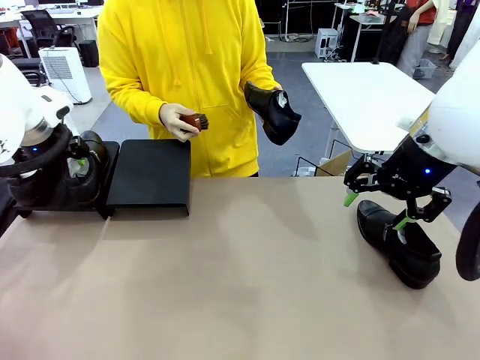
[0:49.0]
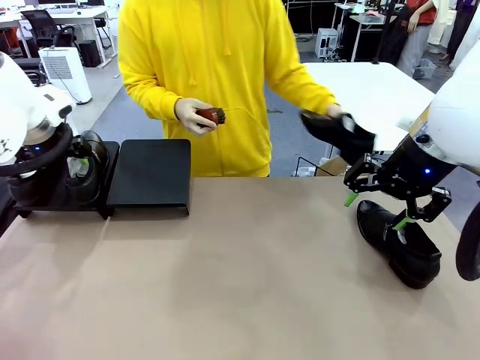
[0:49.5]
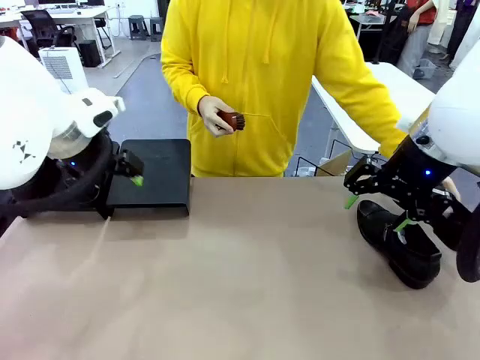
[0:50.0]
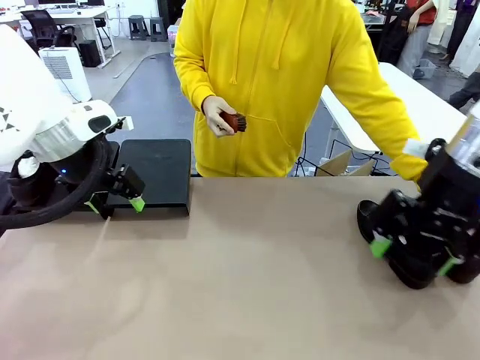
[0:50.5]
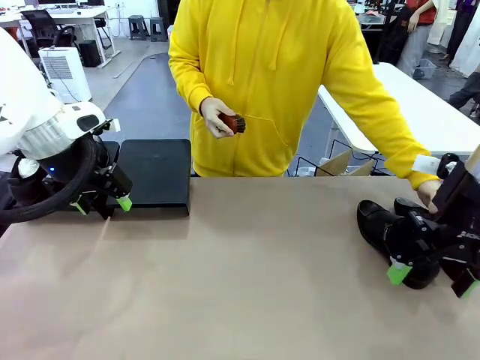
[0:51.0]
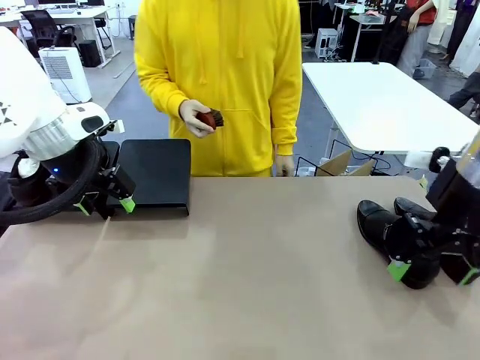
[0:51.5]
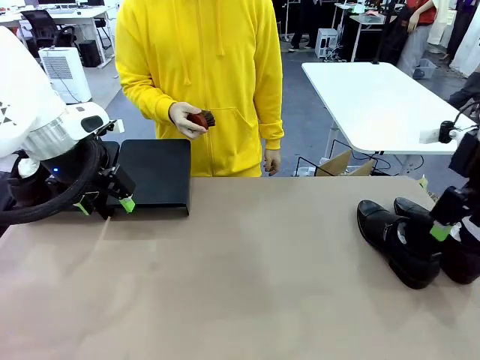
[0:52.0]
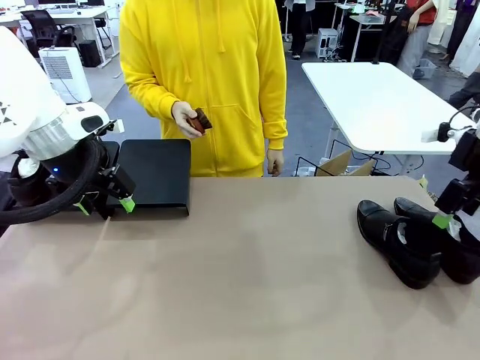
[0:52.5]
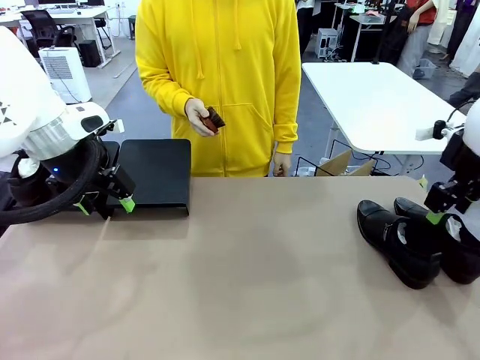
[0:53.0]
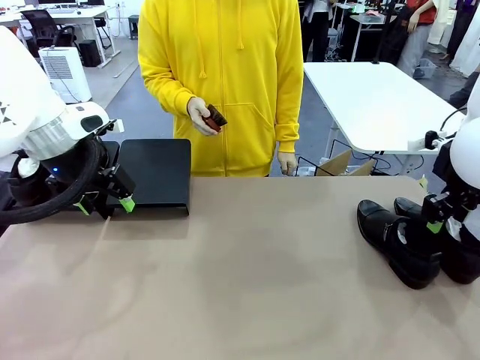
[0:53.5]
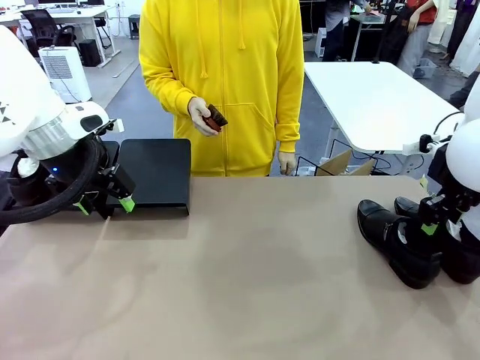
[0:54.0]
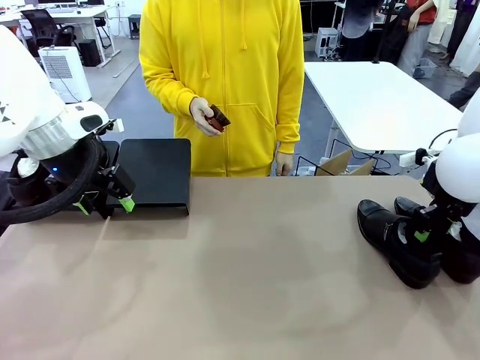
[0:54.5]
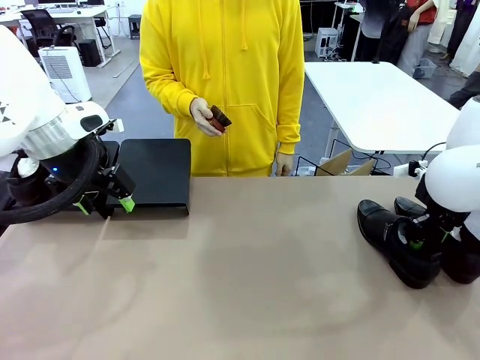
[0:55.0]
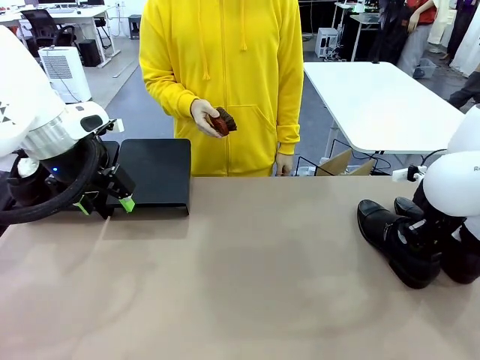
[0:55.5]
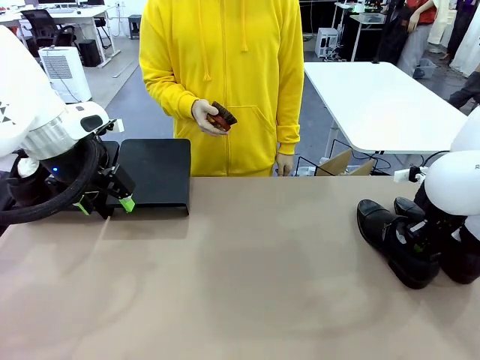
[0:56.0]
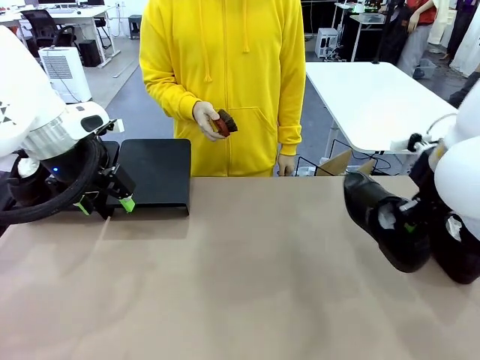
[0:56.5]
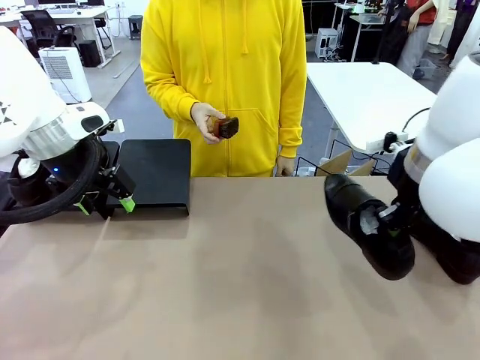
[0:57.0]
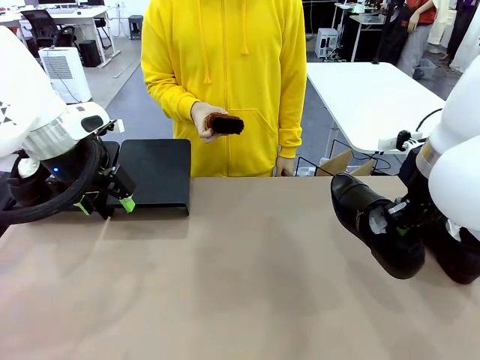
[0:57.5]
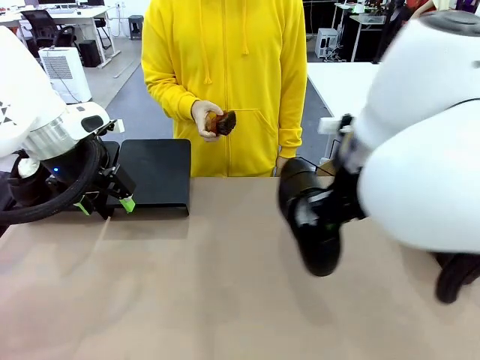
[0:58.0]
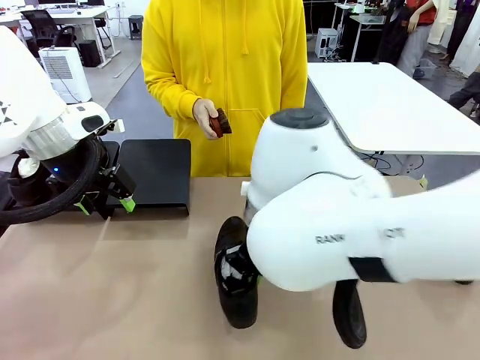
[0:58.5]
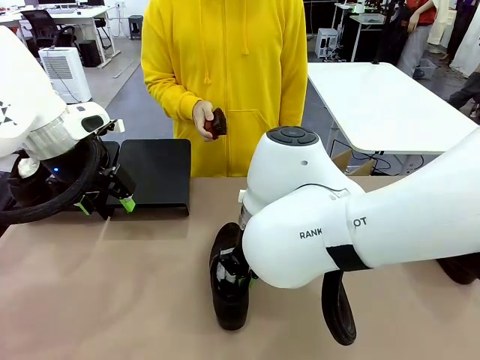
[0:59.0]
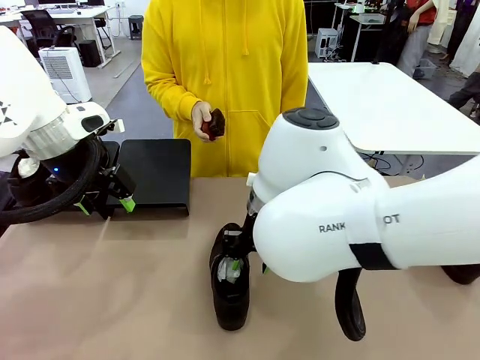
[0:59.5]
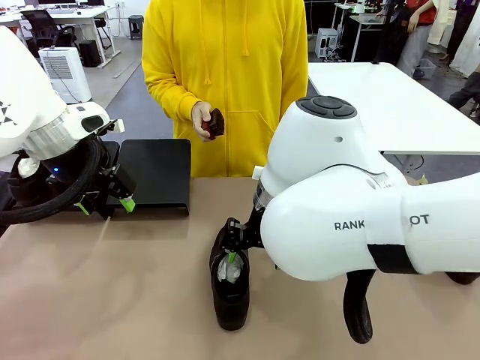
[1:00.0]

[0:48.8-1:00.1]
Task: Organize the shoes by placing them on the stand.
Robot: Pick up one Shoe and place it in the middle of the table.

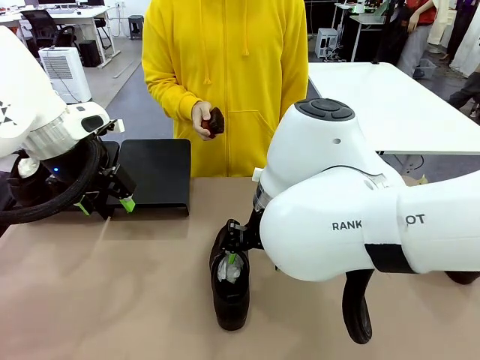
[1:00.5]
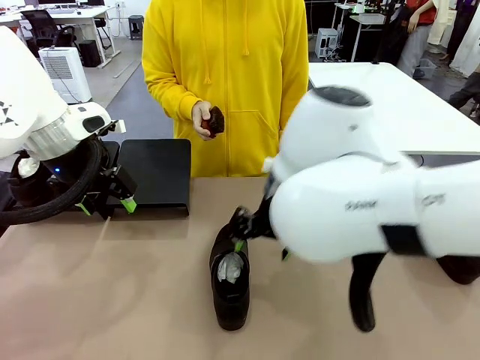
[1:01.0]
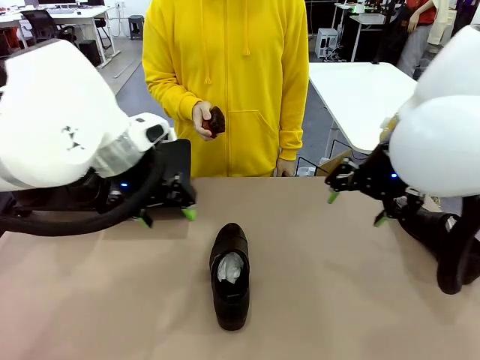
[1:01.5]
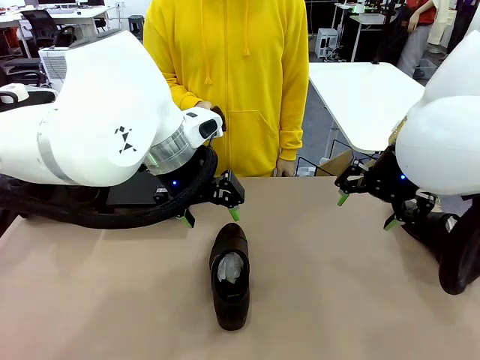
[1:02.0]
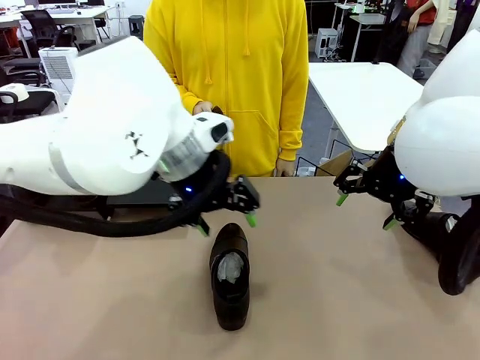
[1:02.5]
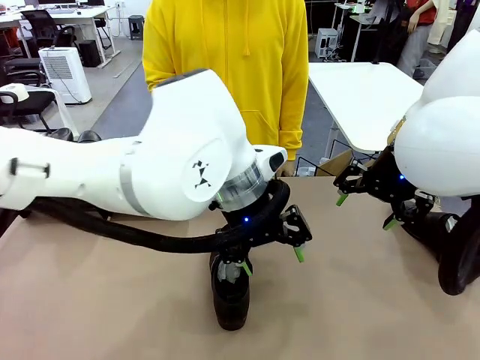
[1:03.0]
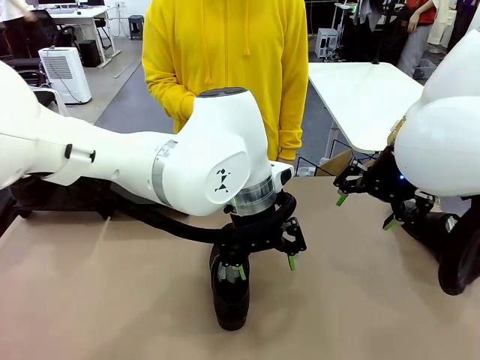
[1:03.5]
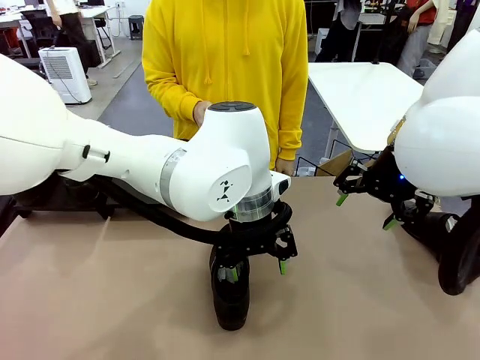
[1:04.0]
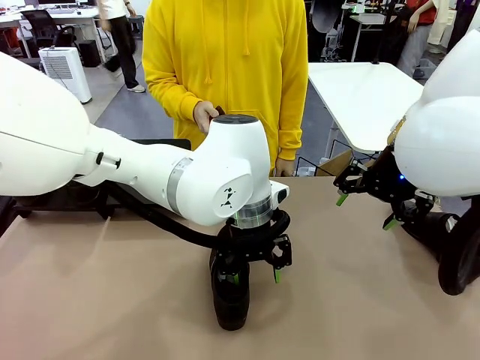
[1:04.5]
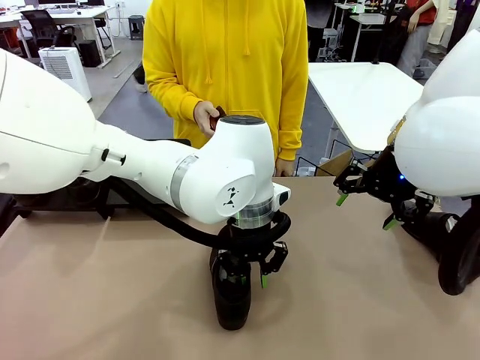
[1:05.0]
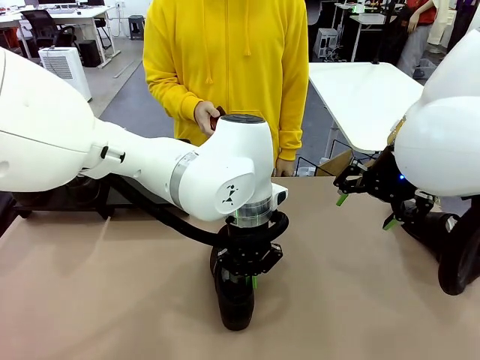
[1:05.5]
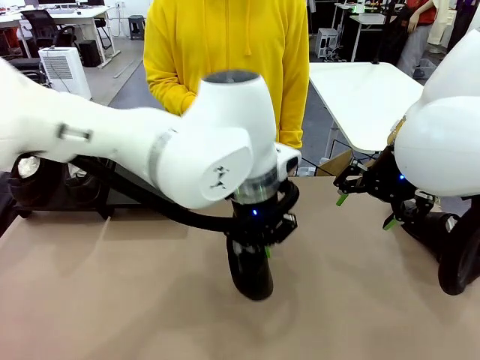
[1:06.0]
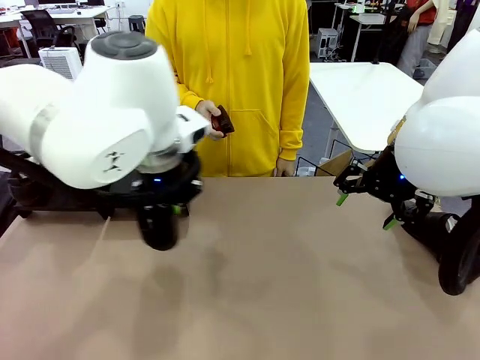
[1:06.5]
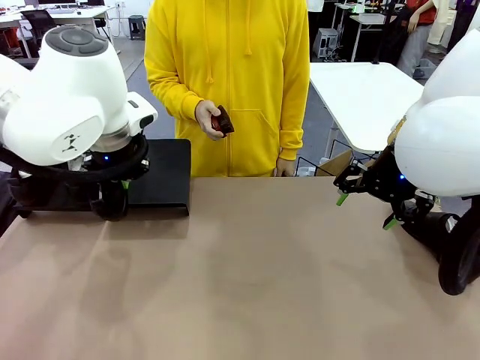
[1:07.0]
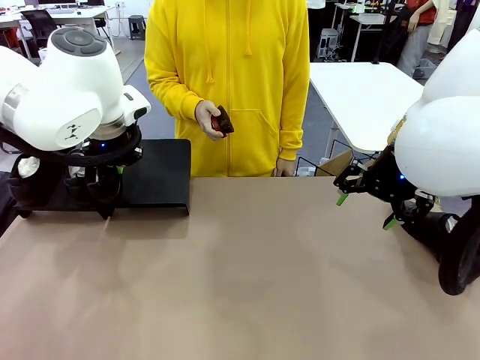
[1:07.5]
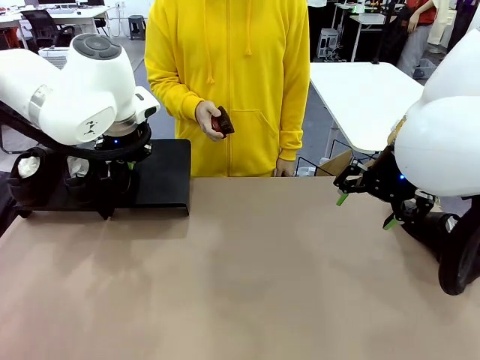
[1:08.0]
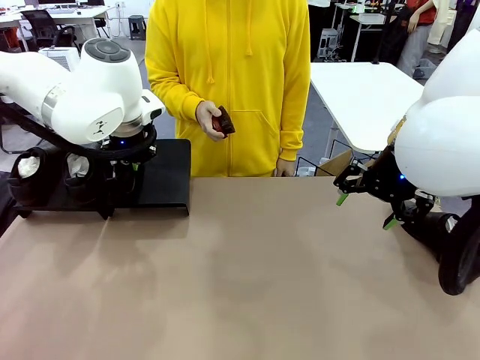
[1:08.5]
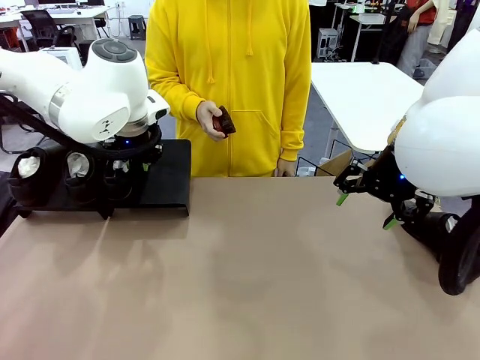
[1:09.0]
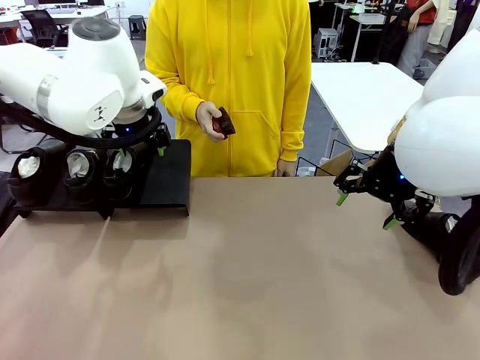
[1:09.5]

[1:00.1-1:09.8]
Robot: Place the Shoe from the middle of the table onto the Shoes Stand.

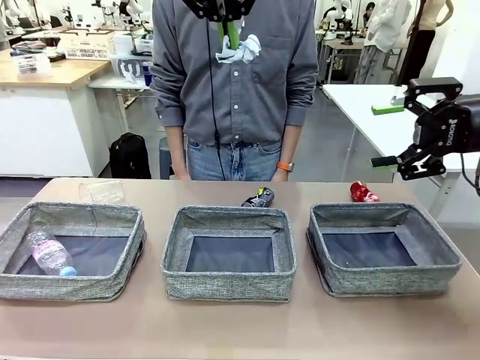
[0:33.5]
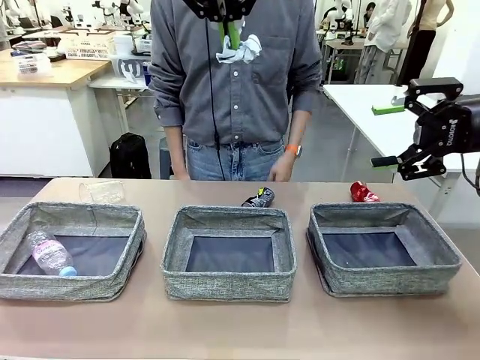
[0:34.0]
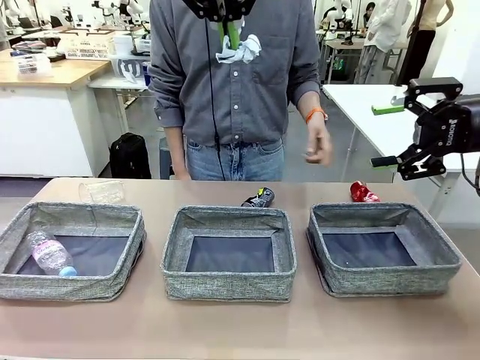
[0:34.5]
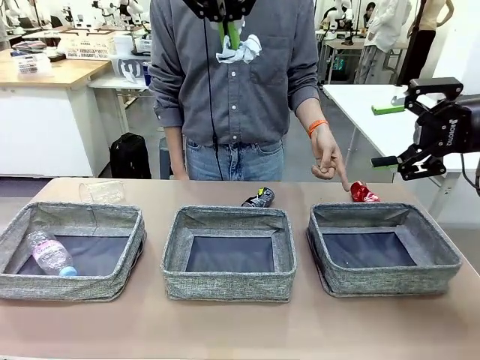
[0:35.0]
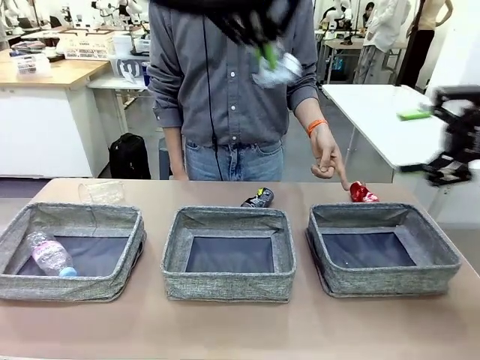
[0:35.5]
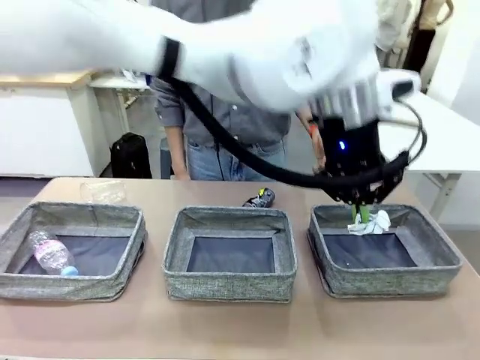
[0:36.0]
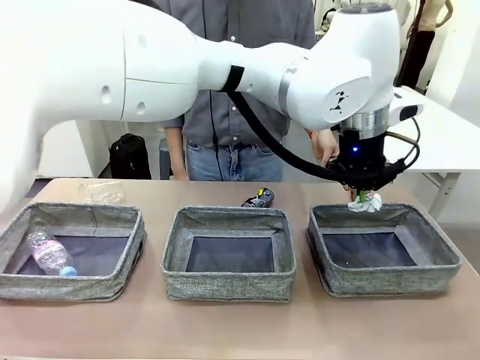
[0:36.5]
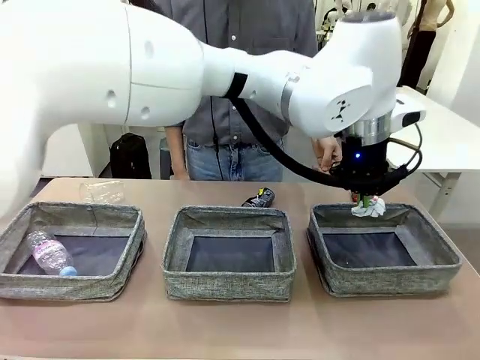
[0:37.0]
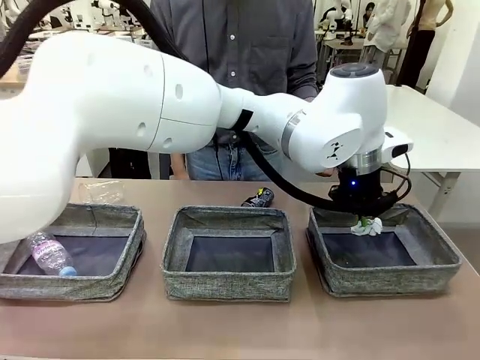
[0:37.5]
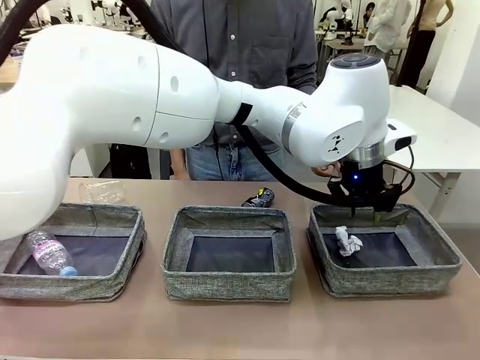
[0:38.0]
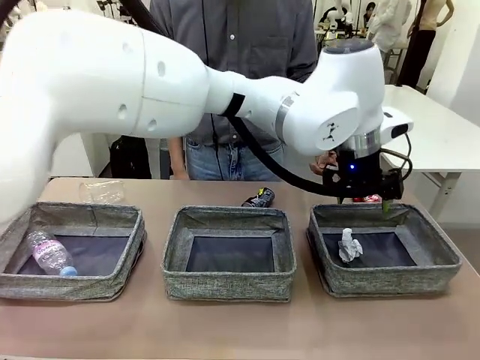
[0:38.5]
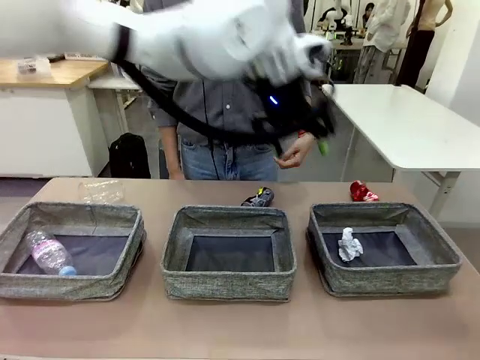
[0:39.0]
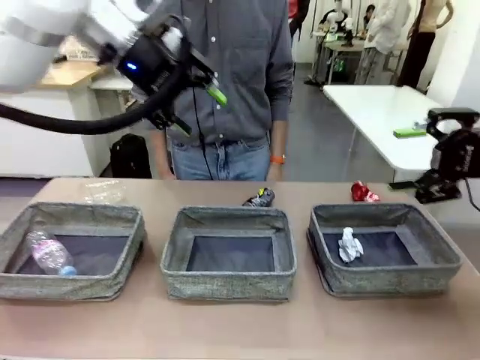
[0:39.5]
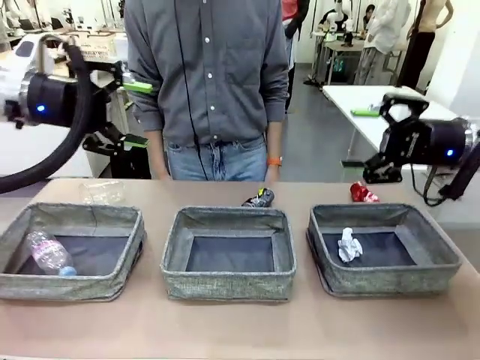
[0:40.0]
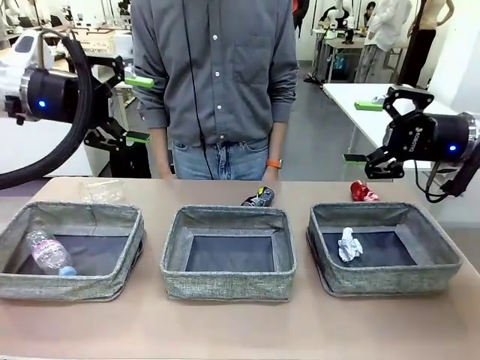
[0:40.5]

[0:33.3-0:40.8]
Task: Sort the waste into the appropriate baskets.
Robot: Place the picked waste into the Fabric basket indicated by the person.
Person: Instructs the robot to place the picked-up trash into the appropriate organizing basket.
